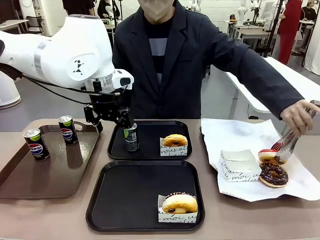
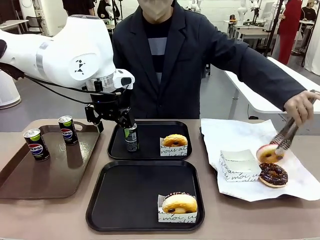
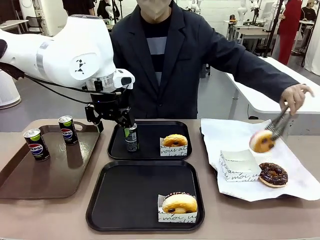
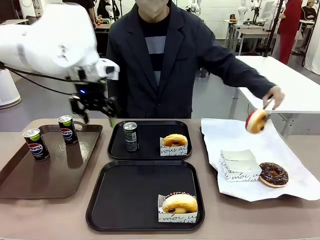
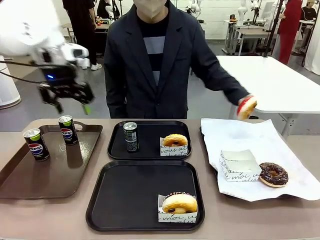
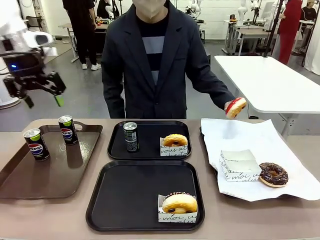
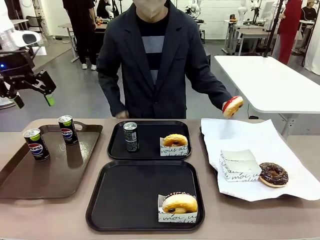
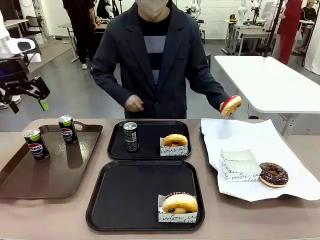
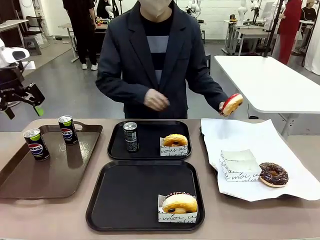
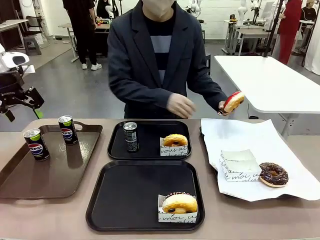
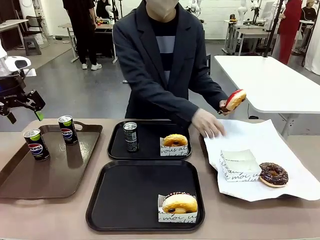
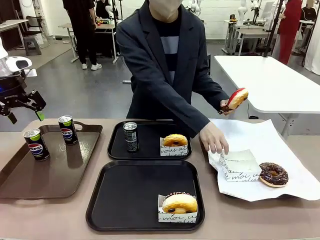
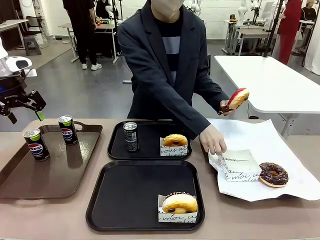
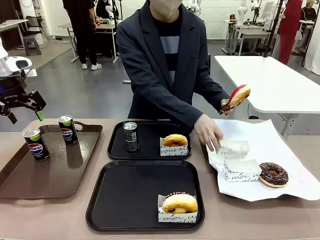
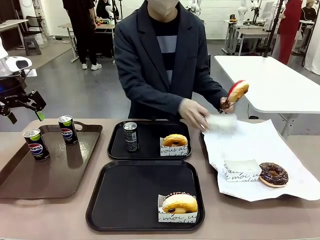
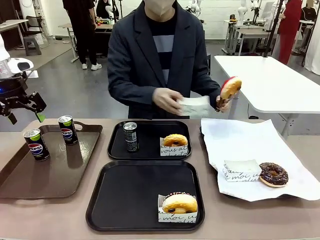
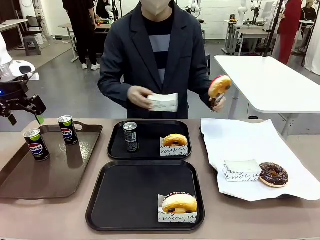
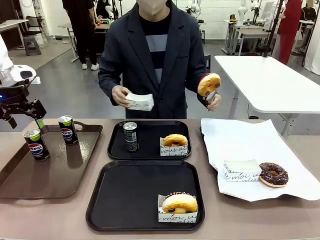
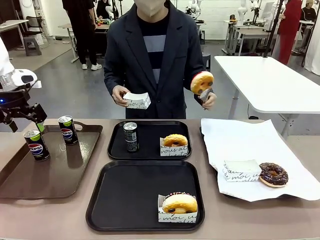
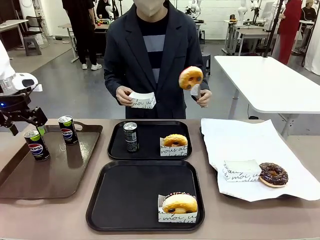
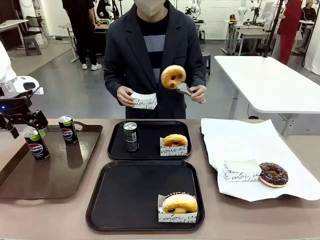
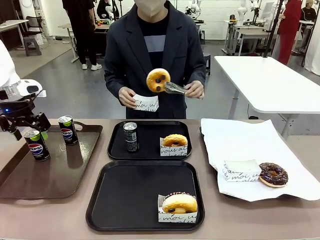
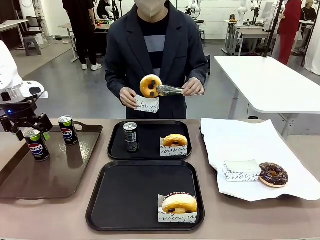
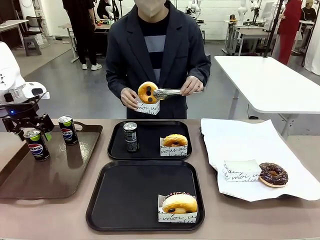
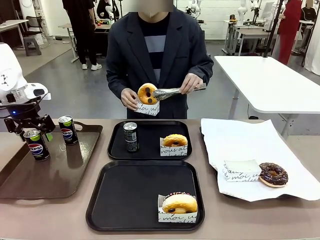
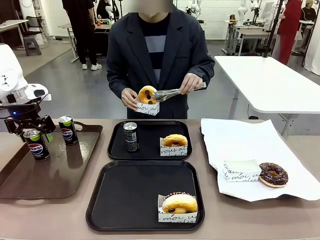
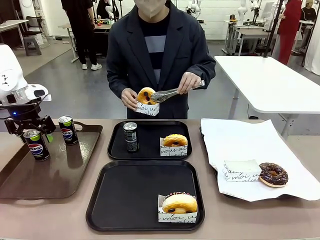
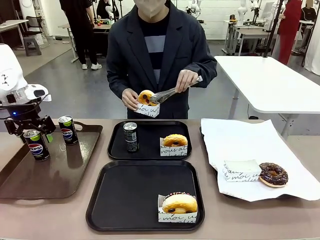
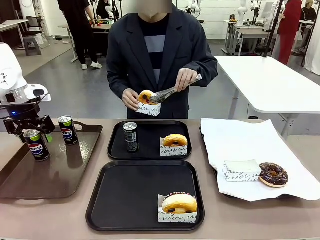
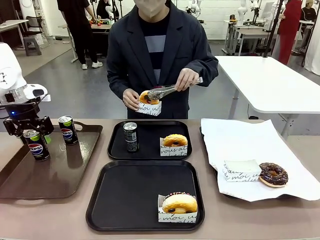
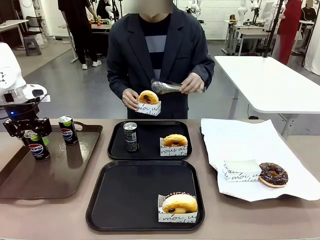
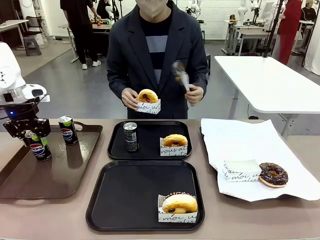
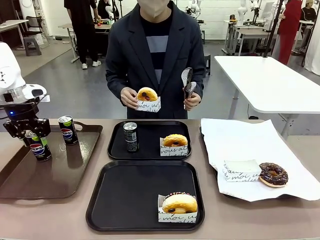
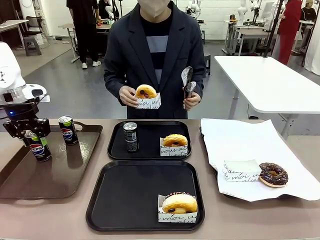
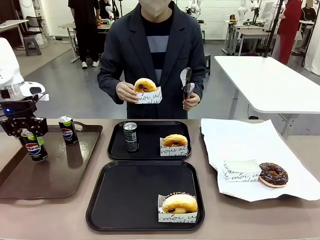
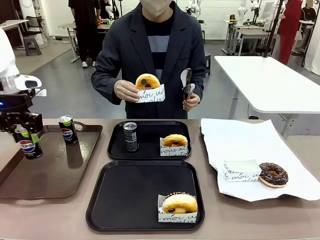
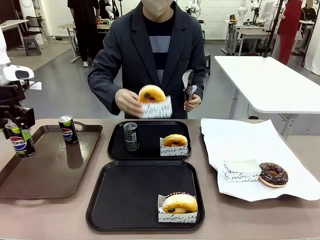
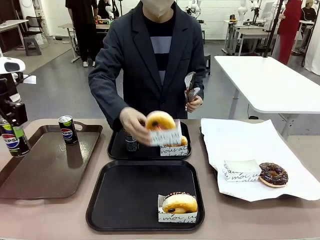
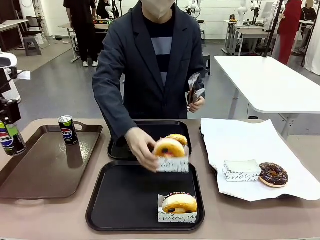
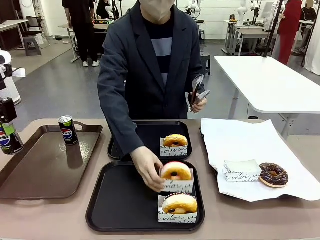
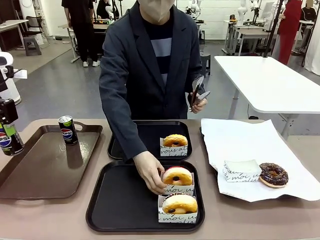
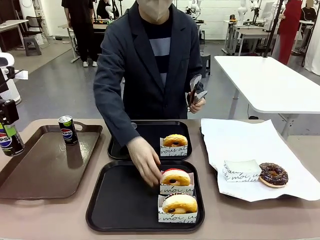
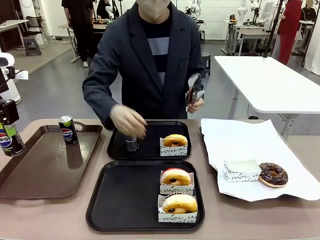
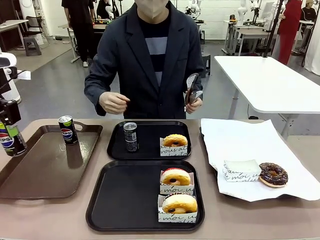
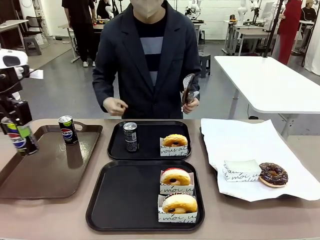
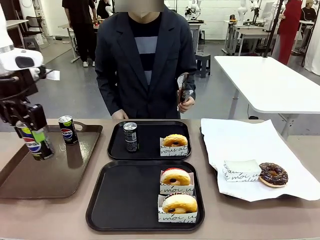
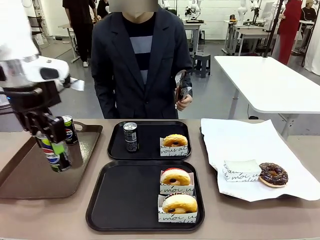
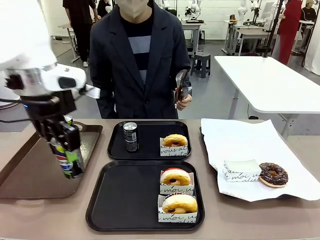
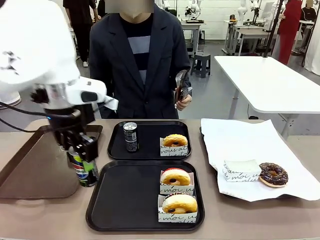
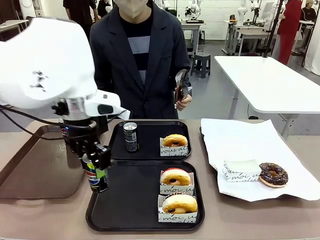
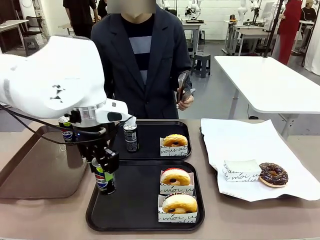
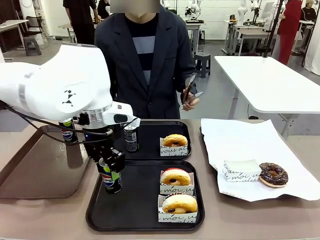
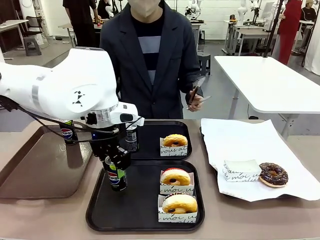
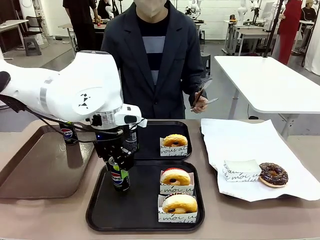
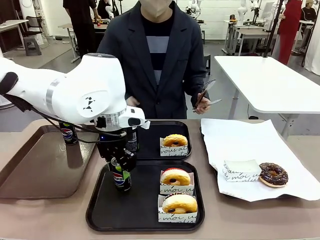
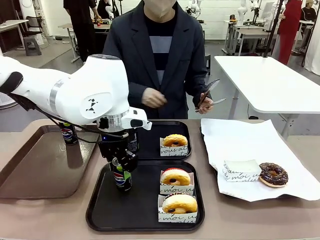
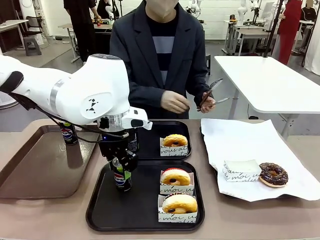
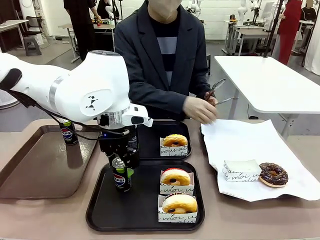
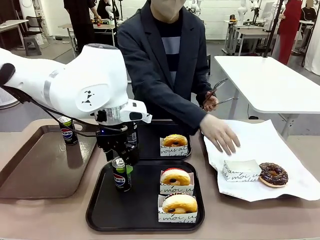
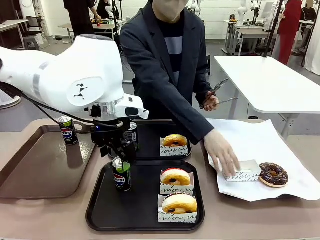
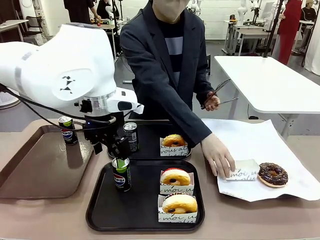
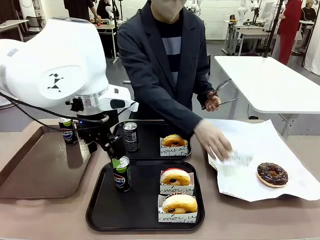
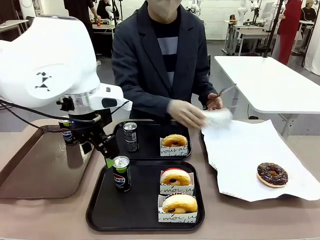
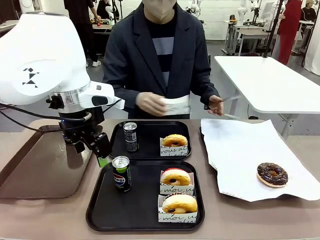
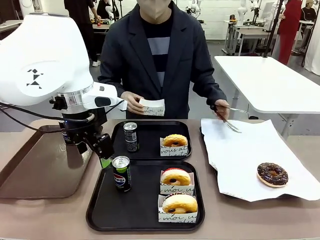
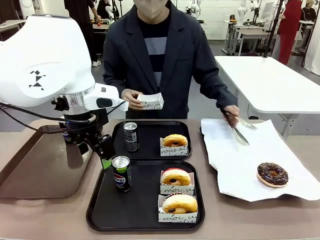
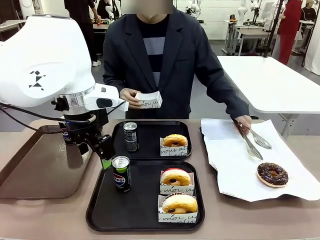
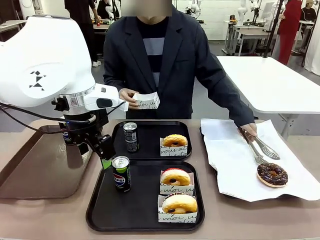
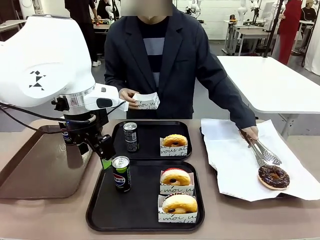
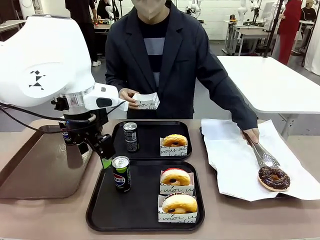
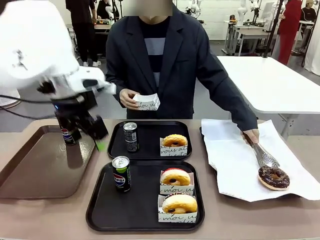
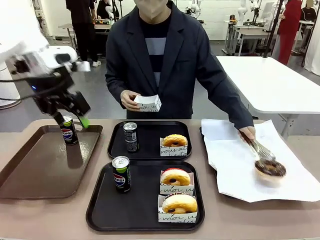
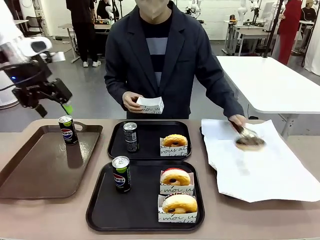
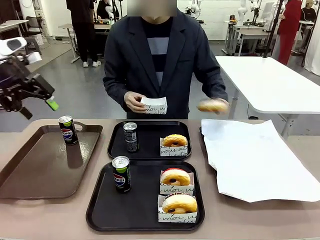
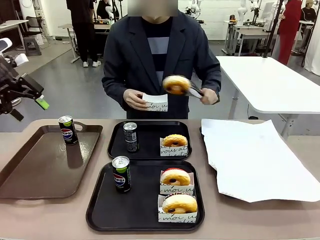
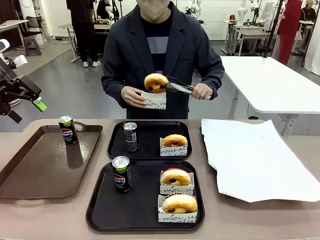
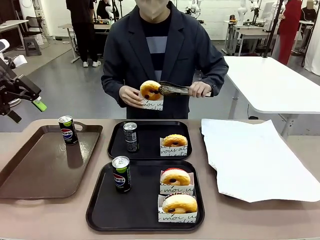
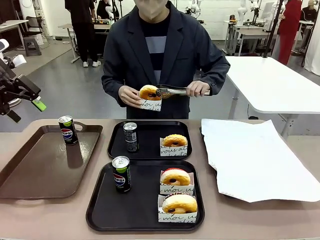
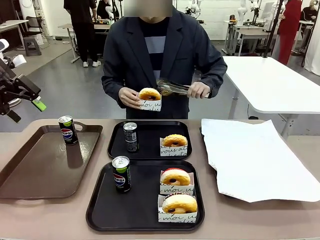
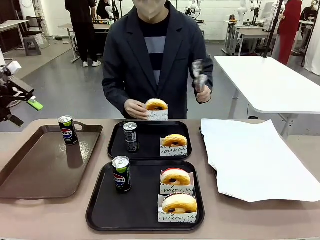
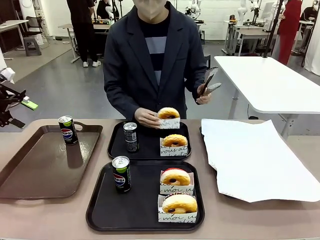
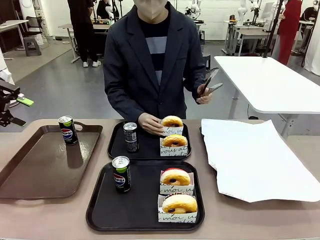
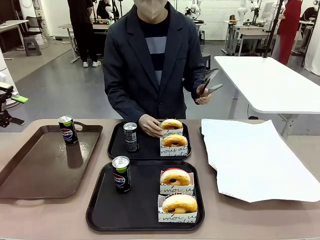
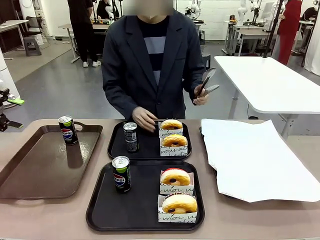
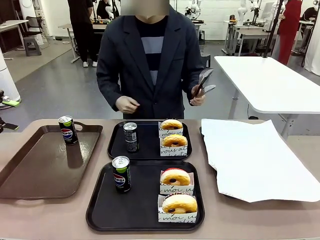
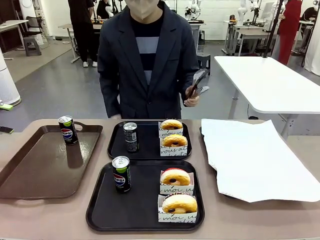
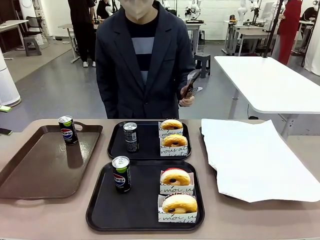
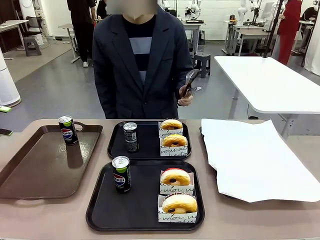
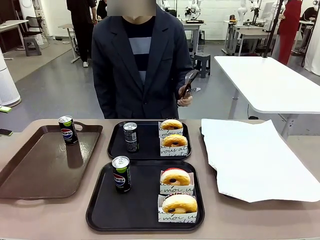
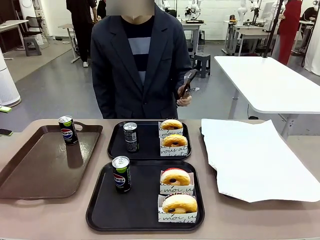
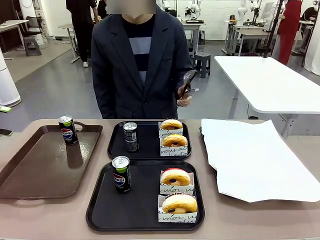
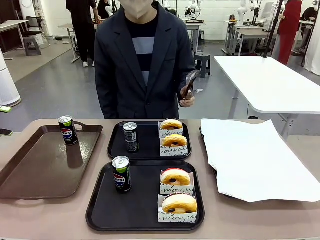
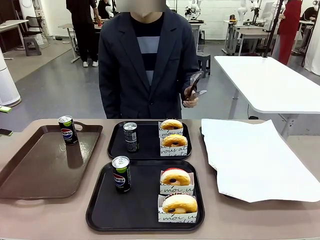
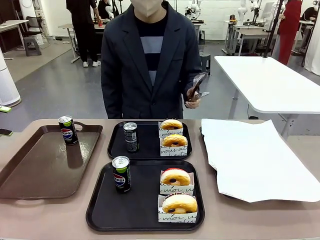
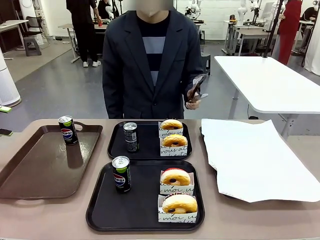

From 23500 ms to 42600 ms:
Task: Set up donuts and drinks on trays.
Robot: Pick up one Pepsi coke from the Handle tray and place it on the Flat Tray without a Pepsi coke.
